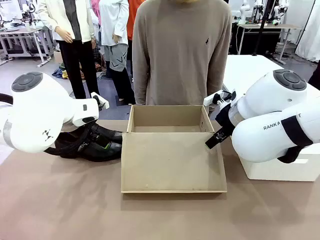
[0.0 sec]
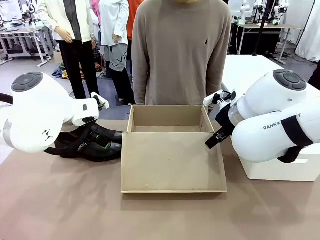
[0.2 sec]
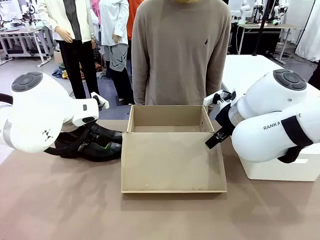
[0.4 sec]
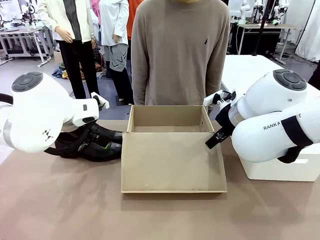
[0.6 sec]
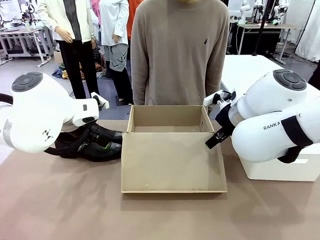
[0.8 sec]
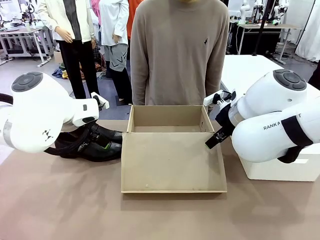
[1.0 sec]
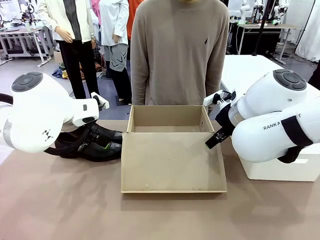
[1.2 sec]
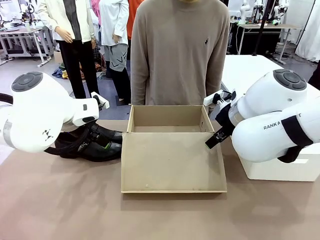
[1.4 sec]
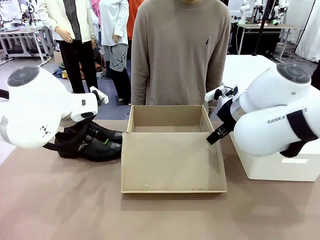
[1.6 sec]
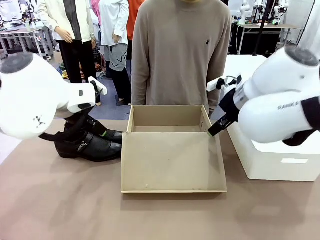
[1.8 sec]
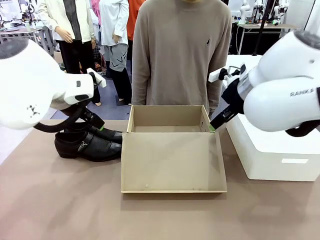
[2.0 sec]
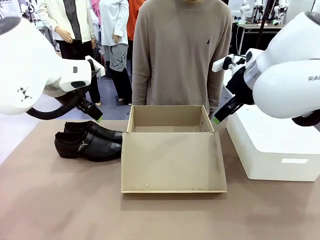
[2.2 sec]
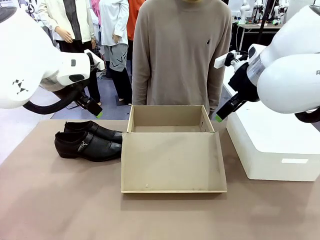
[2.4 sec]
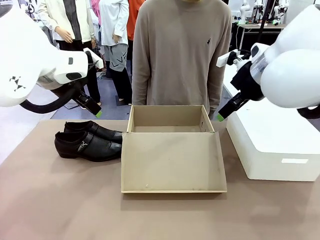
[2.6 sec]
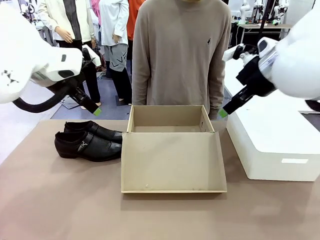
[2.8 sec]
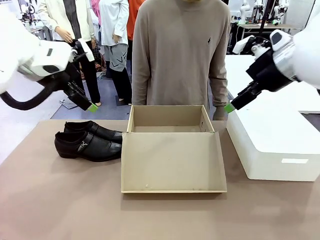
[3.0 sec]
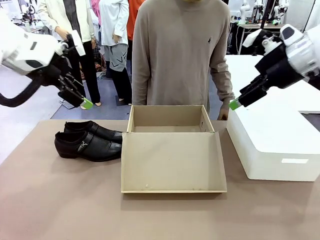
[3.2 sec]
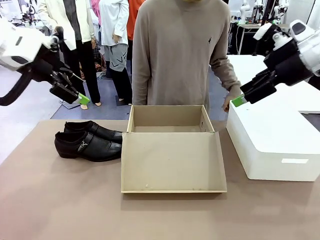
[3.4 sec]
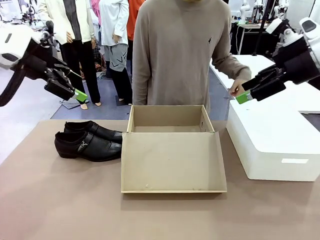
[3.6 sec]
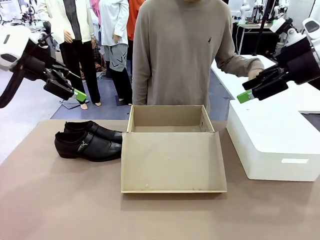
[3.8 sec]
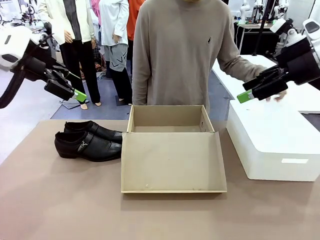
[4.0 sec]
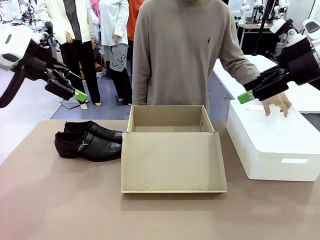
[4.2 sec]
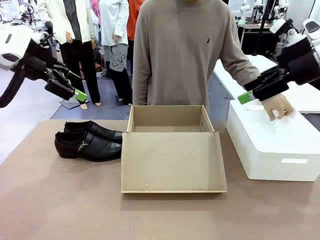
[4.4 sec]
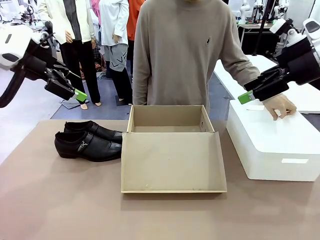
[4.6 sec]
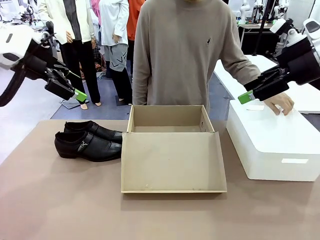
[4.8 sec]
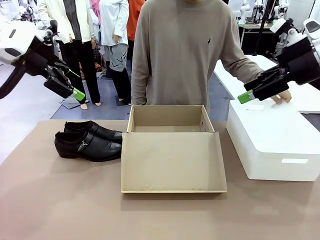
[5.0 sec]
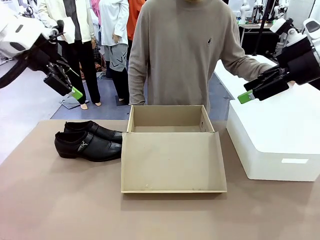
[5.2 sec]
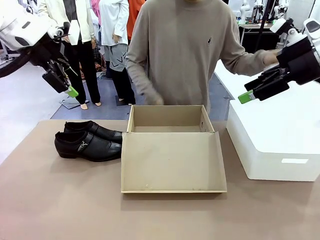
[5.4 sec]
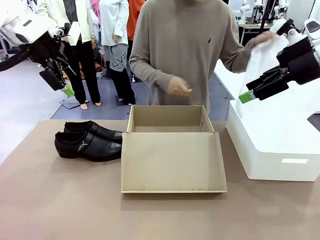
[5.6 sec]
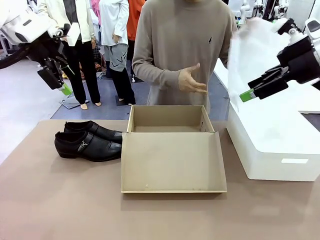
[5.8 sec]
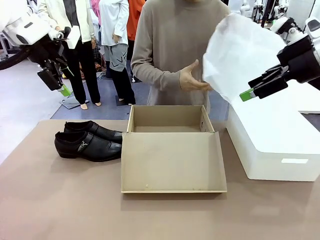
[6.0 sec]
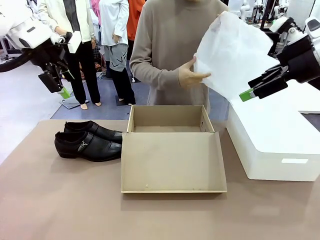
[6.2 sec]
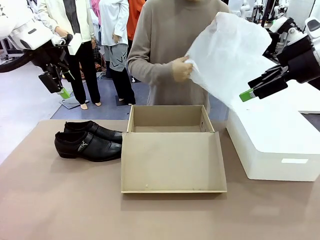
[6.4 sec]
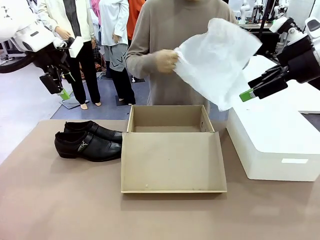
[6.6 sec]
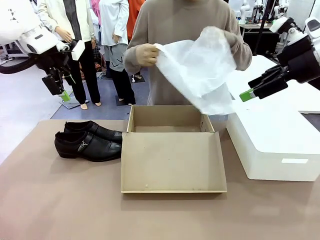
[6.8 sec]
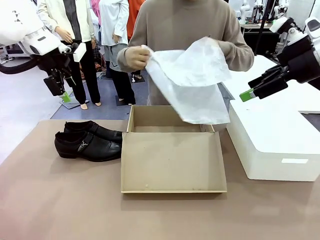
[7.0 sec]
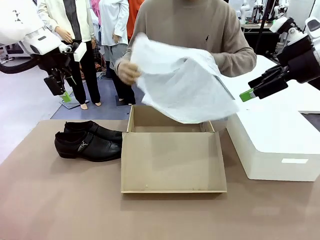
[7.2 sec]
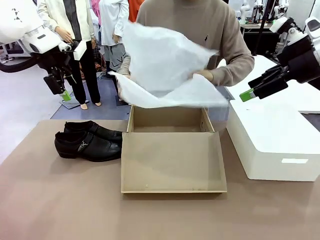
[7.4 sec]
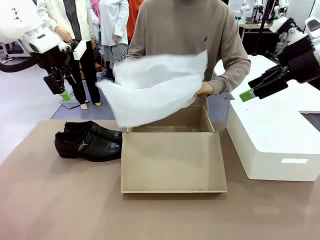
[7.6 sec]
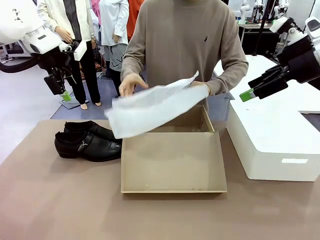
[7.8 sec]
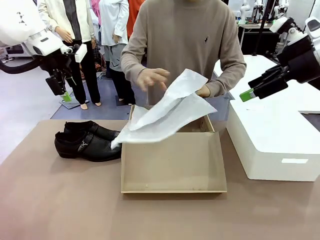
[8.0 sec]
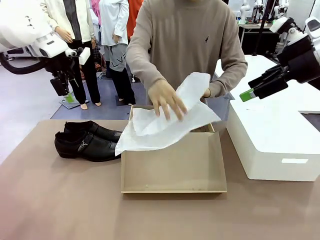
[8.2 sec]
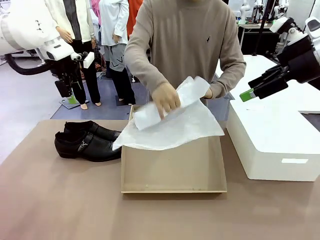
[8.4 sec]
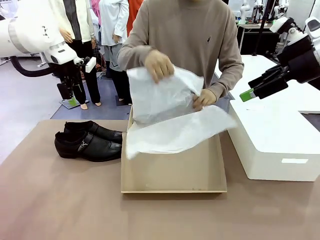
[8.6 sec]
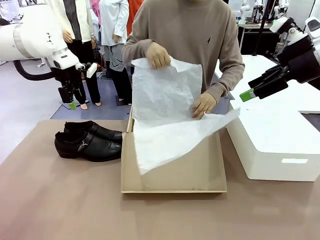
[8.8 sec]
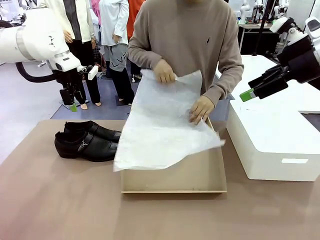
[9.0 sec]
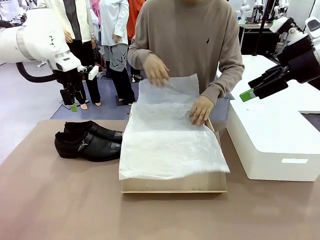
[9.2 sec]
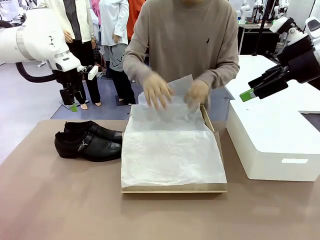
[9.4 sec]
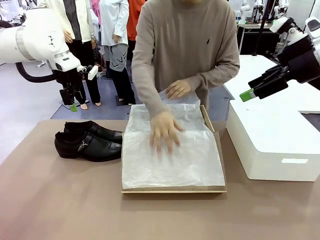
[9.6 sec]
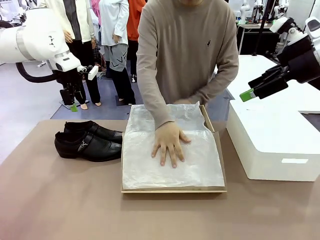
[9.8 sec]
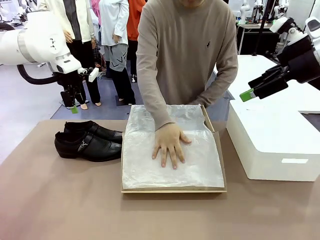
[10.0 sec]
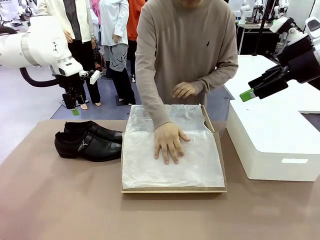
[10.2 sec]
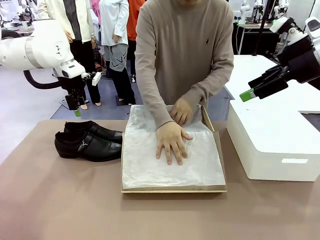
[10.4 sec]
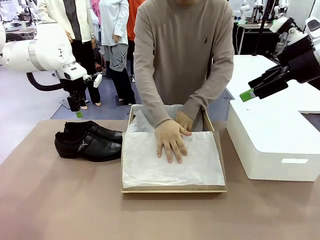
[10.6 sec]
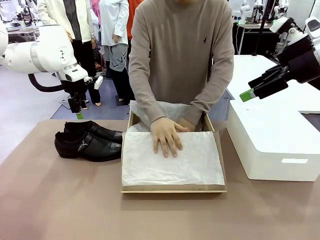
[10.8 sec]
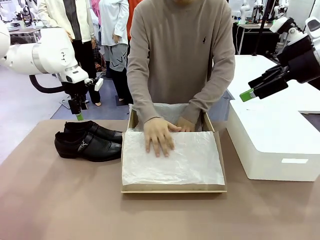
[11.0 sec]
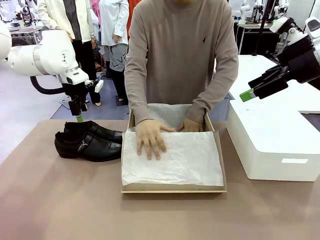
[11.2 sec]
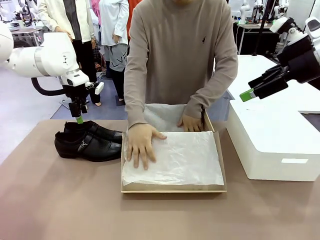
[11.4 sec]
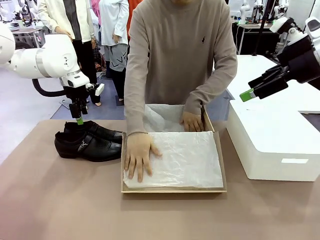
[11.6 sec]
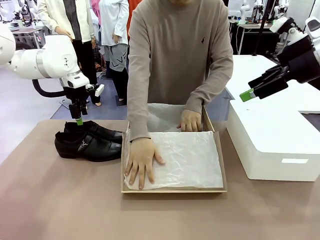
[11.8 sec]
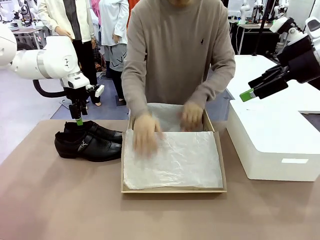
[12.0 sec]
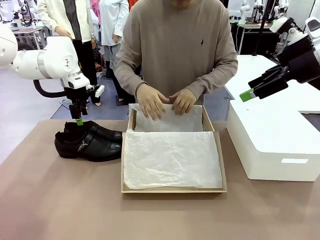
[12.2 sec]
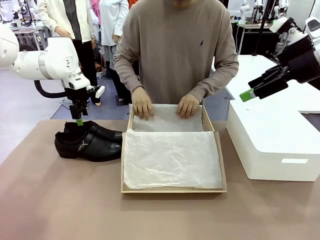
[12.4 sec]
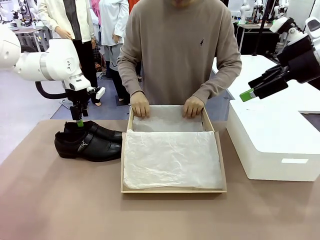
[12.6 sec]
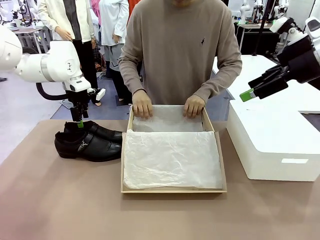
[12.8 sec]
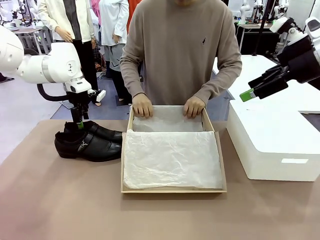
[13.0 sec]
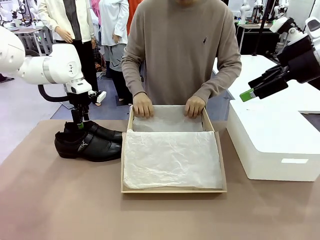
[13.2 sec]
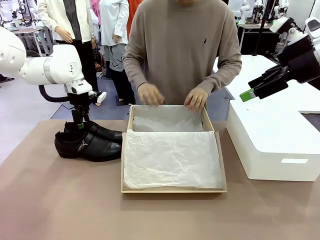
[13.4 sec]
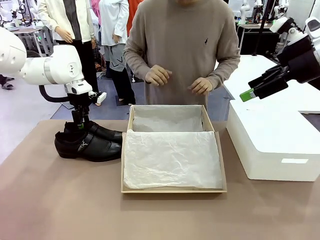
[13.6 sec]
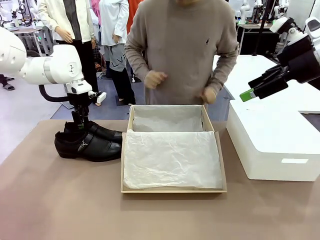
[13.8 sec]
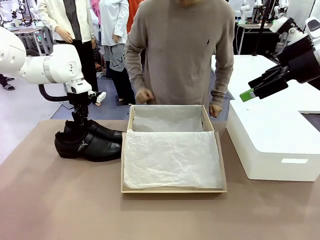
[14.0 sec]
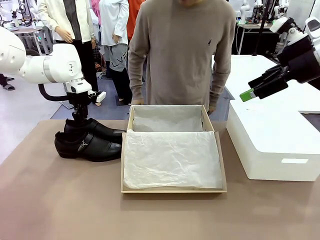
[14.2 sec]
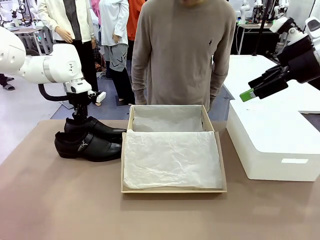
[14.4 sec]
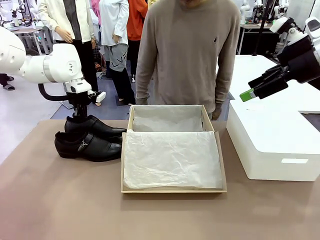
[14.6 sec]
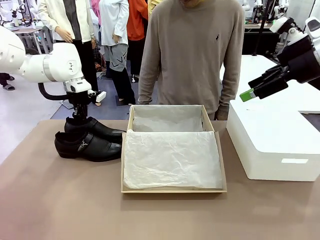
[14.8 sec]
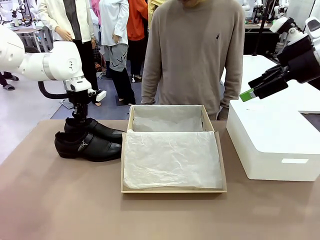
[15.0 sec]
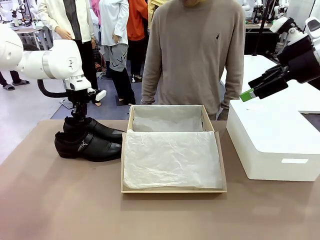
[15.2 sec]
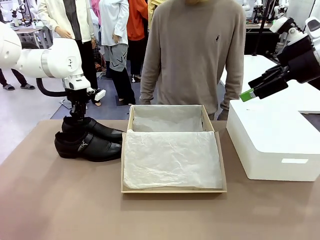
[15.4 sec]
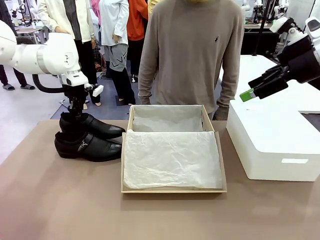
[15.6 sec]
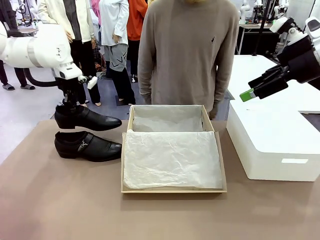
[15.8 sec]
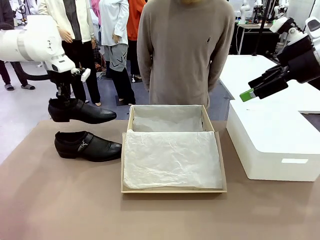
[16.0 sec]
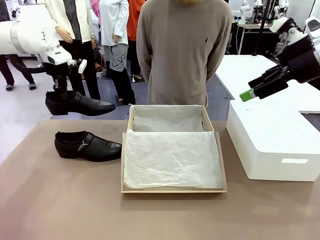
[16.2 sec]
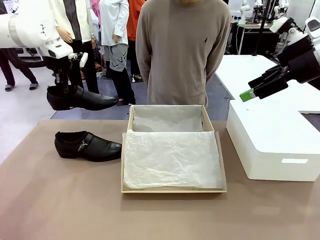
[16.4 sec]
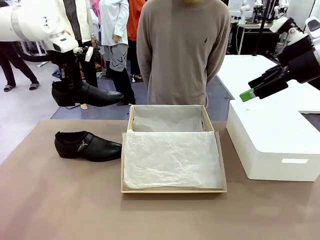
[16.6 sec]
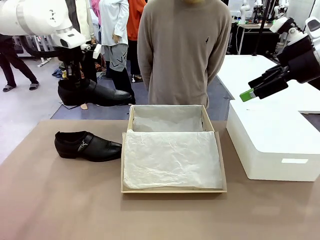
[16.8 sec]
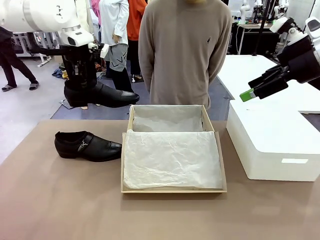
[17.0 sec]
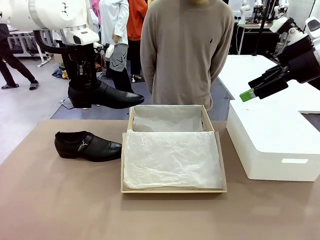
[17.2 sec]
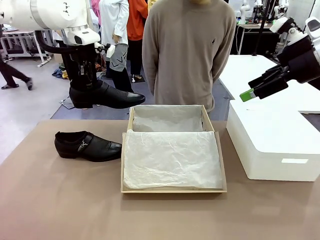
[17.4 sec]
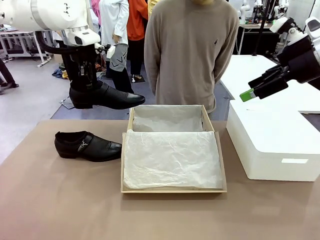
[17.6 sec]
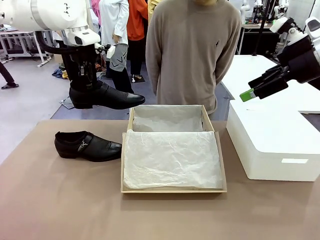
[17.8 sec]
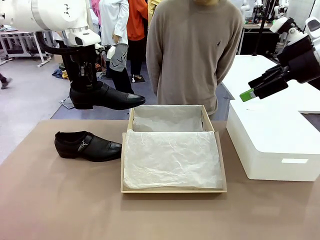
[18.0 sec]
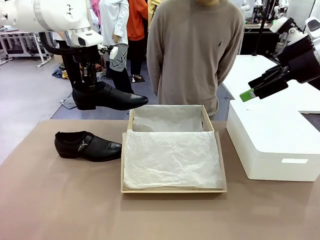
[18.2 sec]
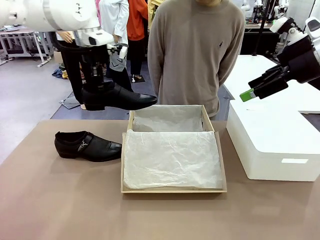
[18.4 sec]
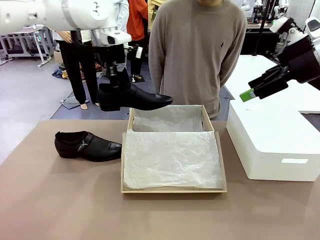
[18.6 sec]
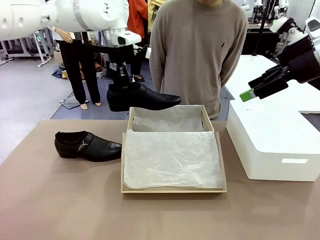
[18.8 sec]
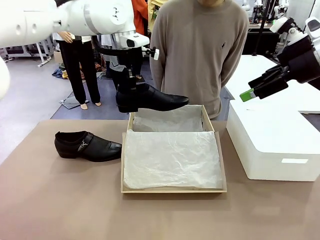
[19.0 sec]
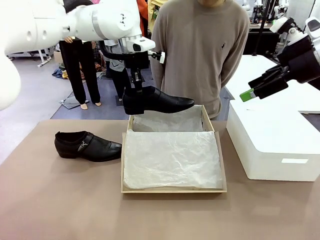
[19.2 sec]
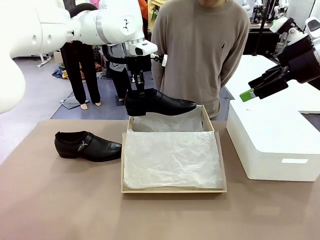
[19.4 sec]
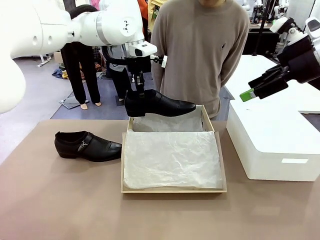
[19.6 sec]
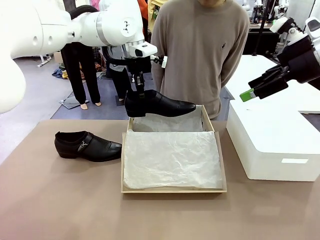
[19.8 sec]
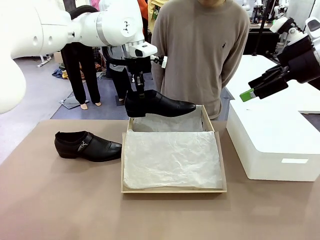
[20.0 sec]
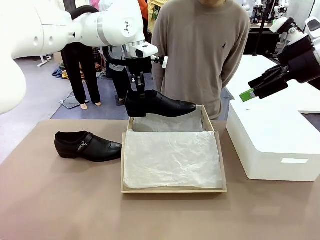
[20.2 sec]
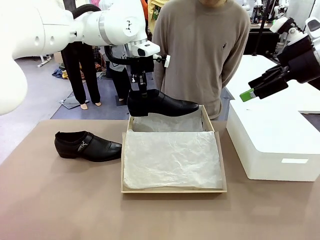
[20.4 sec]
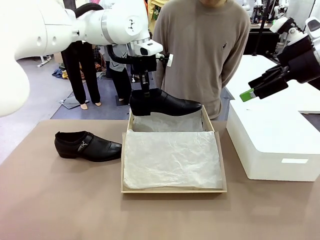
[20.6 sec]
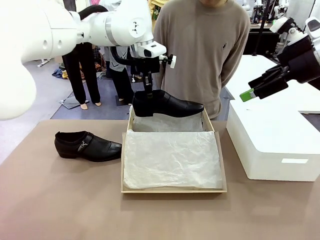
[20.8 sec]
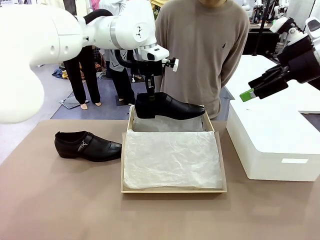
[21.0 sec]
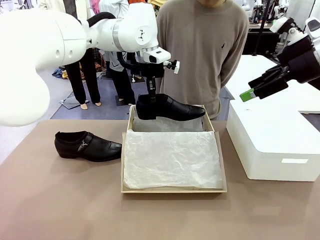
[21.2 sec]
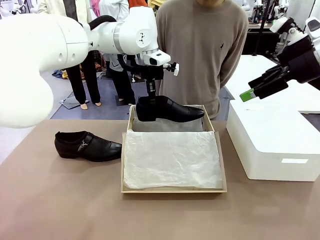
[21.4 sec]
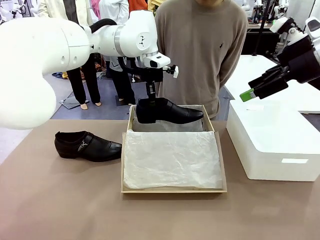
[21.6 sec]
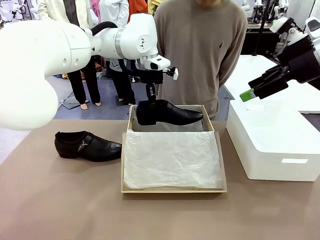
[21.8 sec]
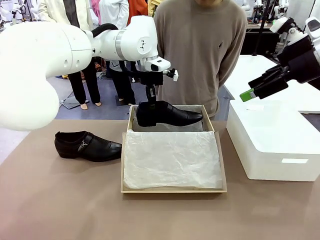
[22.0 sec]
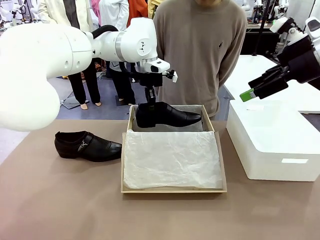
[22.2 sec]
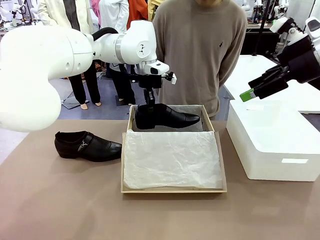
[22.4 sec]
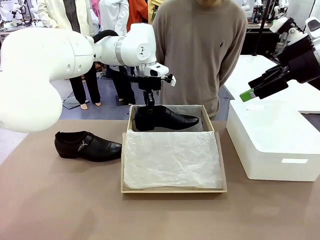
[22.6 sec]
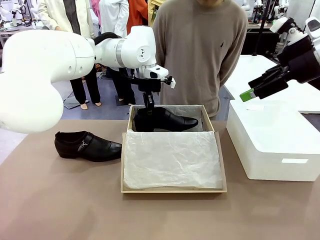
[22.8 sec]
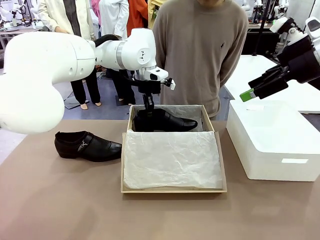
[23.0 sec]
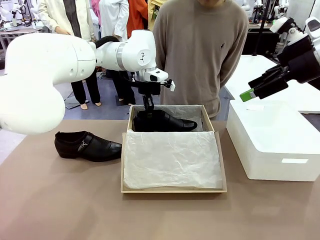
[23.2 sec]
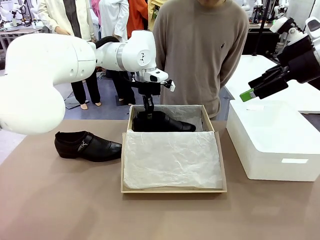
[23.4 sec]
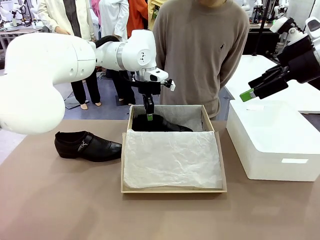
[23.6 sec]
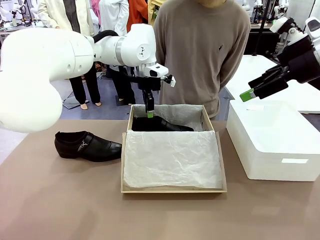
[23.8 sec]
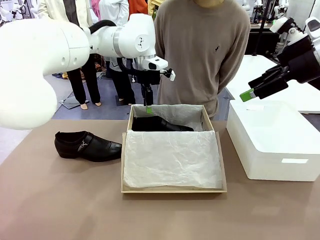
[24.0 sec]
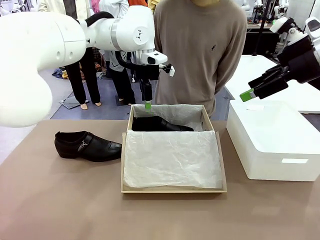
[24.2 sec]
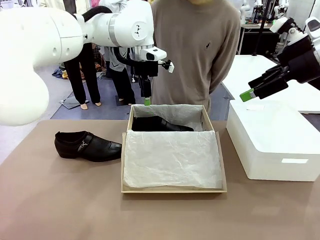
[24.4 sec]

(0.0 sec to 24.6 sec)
Task: Pack the shoes into the box.
Robot: Place one shoe of the Shoes into the Shoes Box.
Person: Spread Shoes Wrapping Paper and place inside the Shoes Box.
